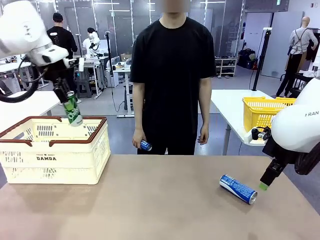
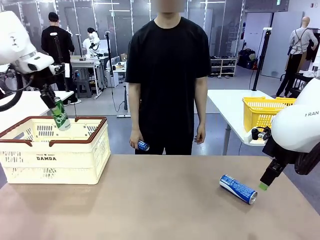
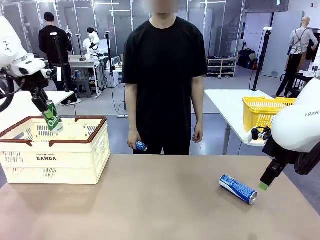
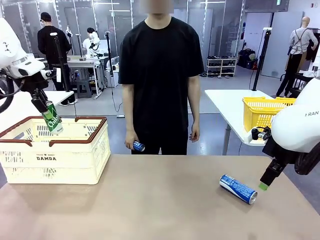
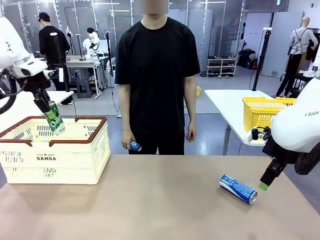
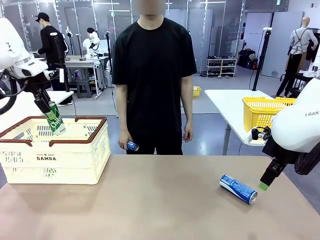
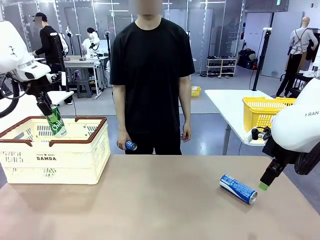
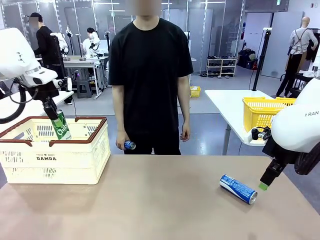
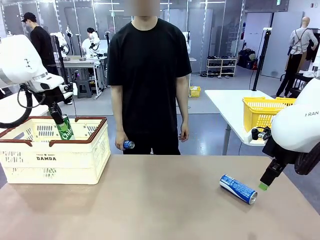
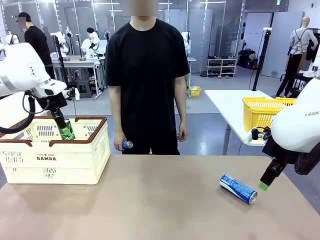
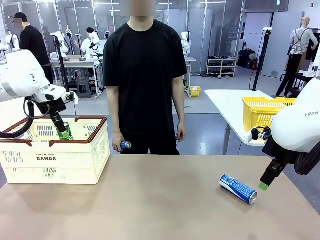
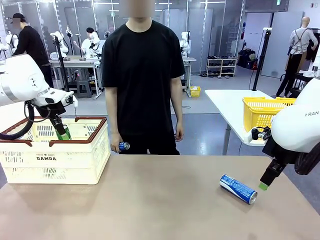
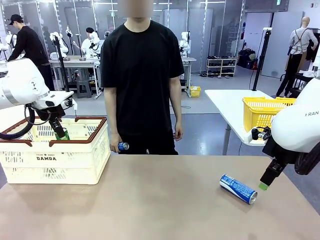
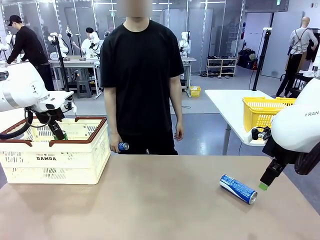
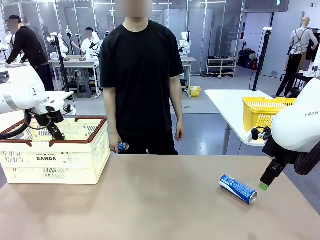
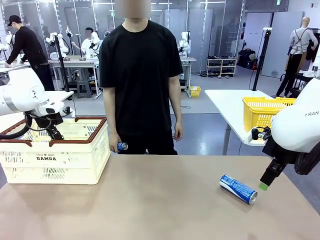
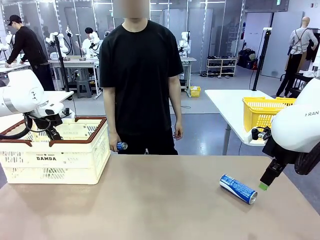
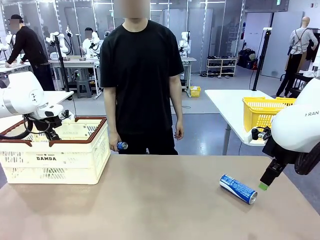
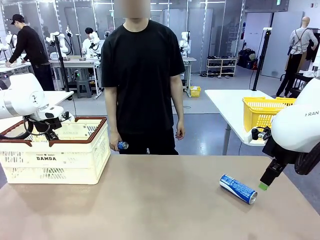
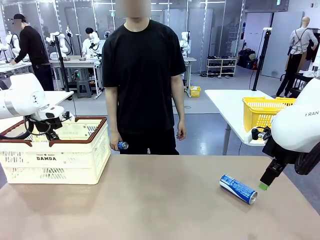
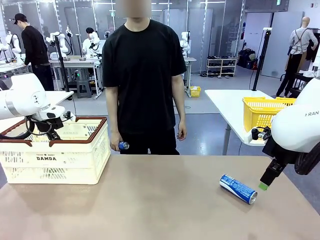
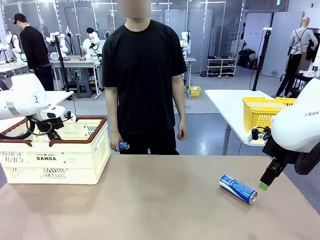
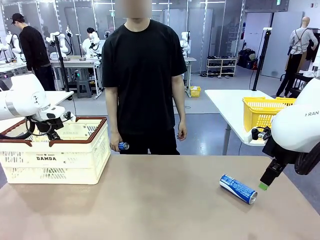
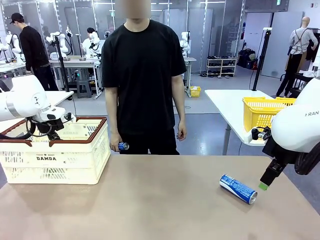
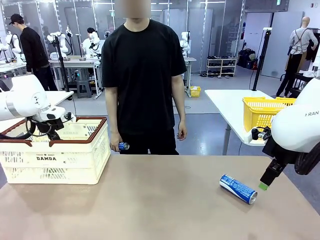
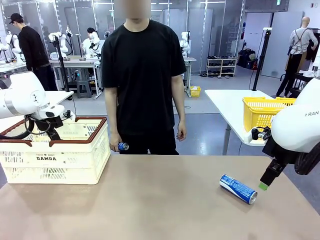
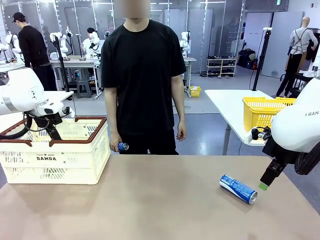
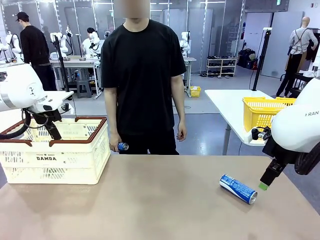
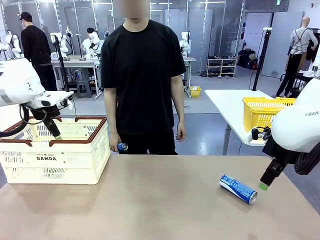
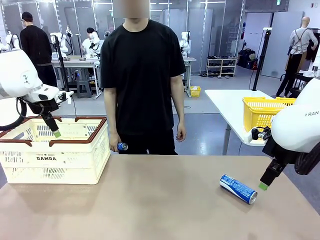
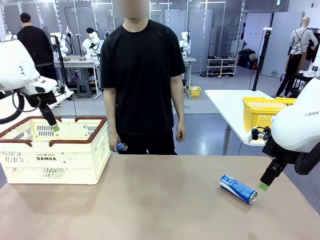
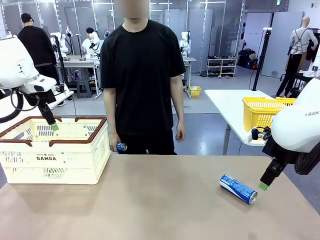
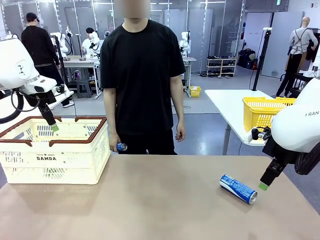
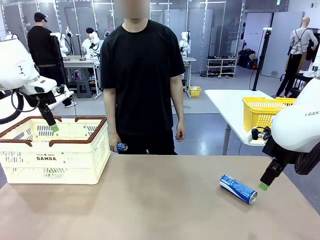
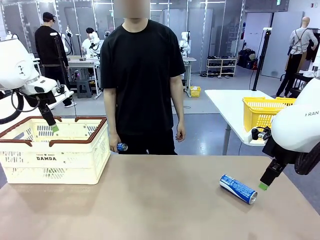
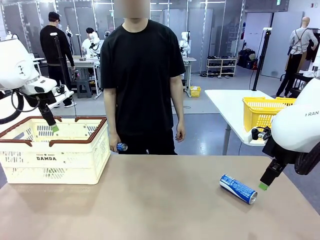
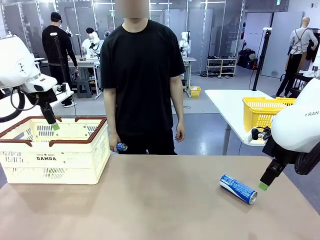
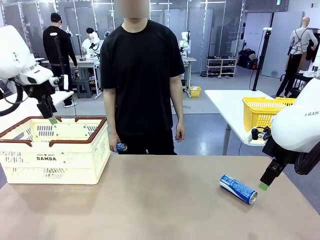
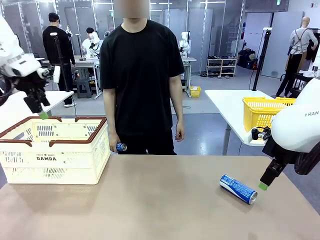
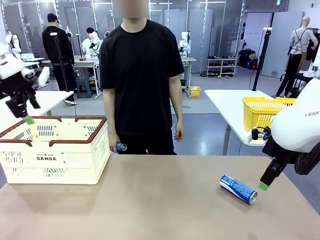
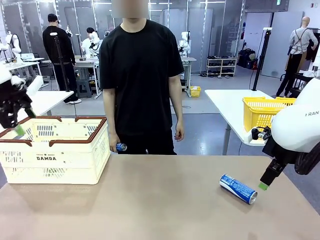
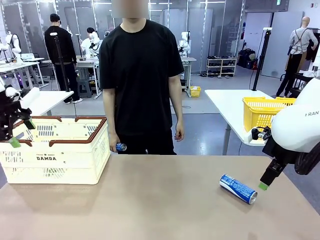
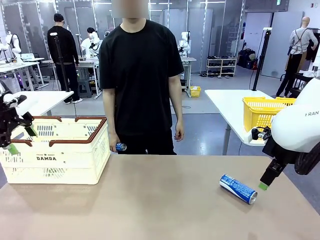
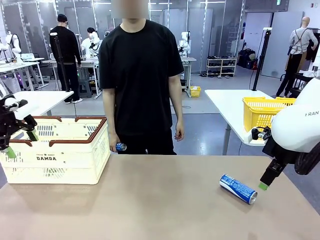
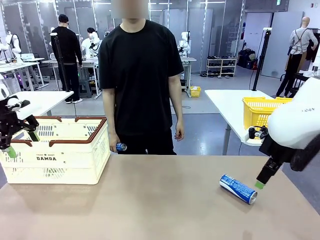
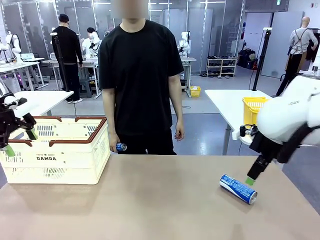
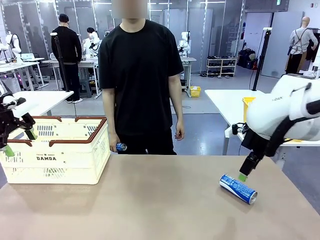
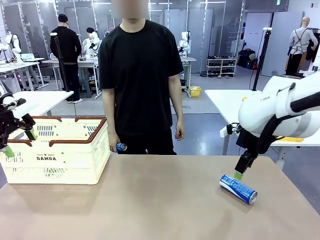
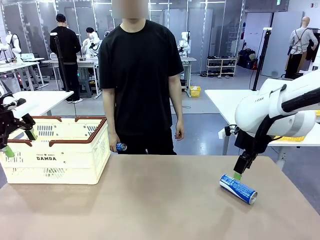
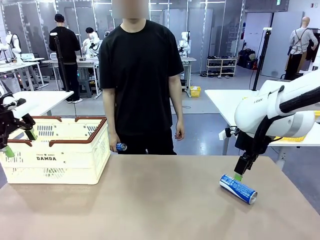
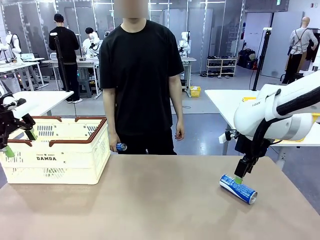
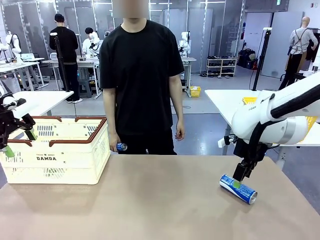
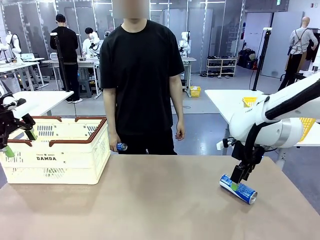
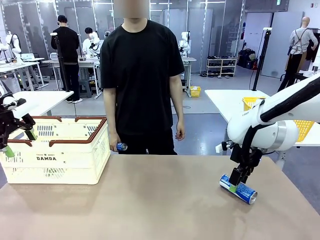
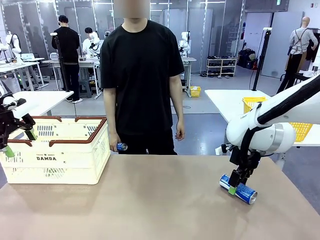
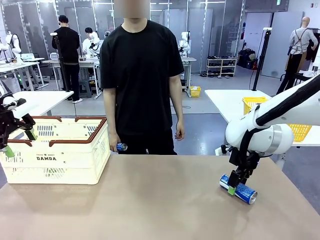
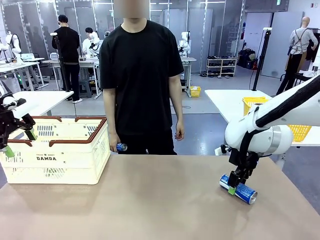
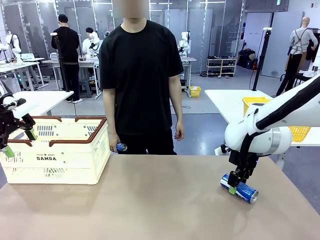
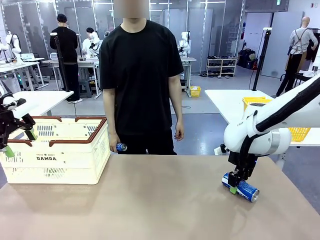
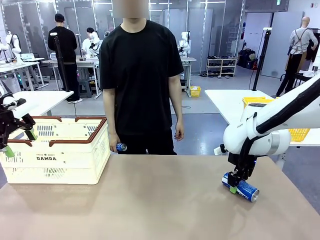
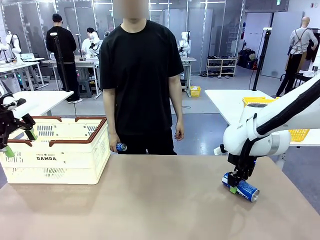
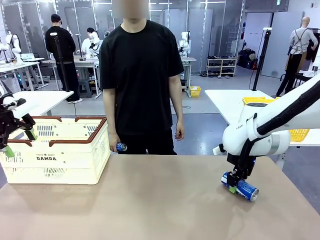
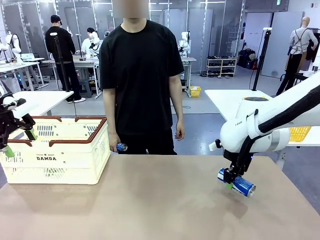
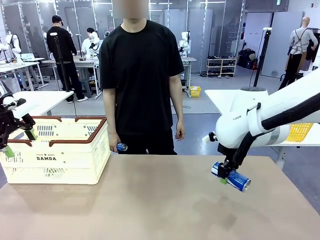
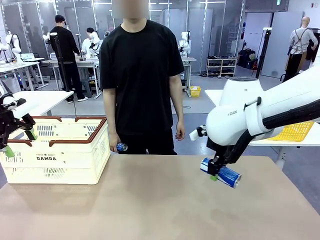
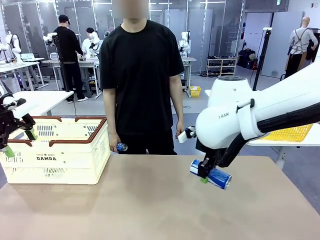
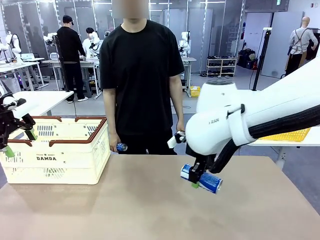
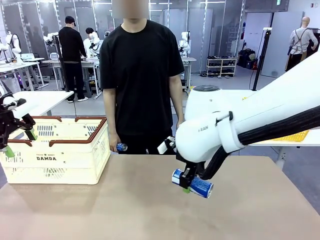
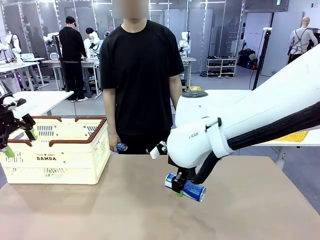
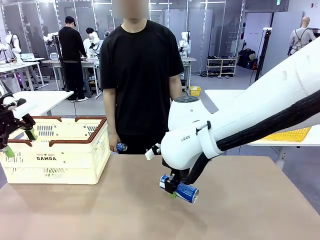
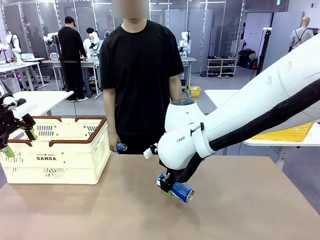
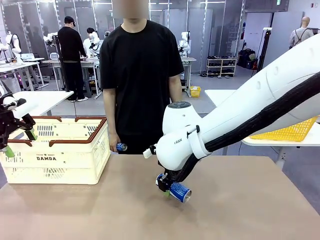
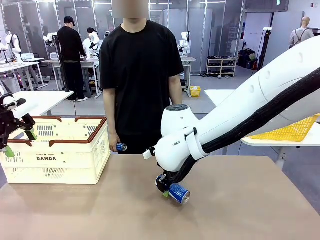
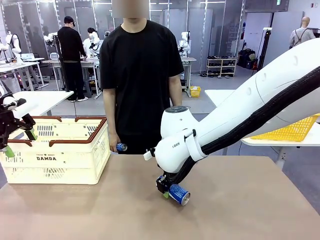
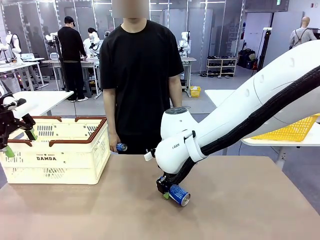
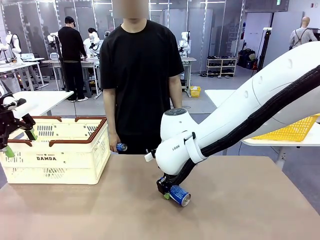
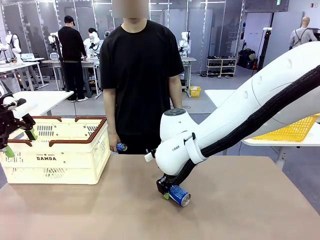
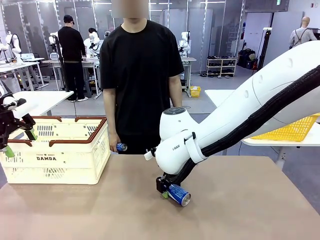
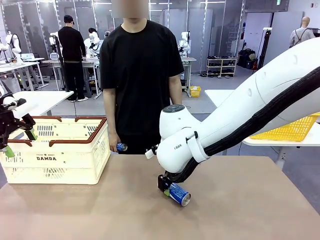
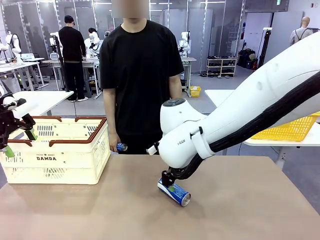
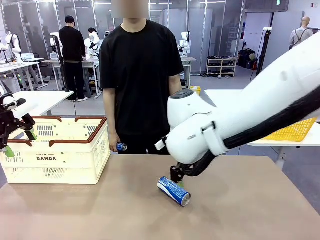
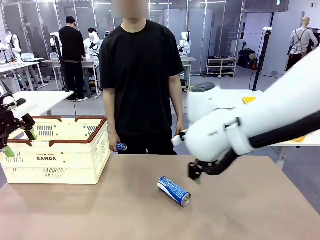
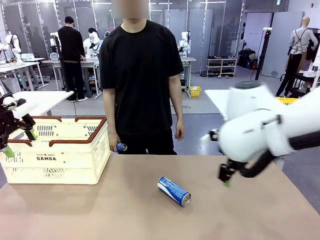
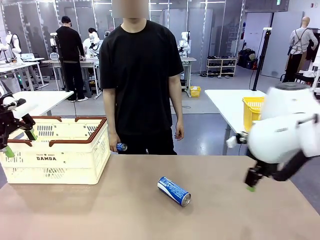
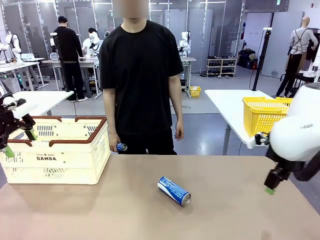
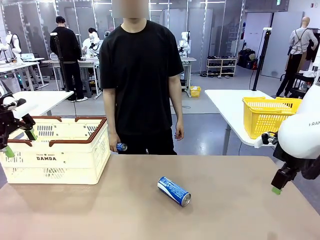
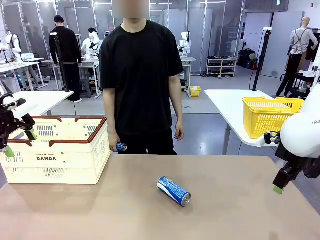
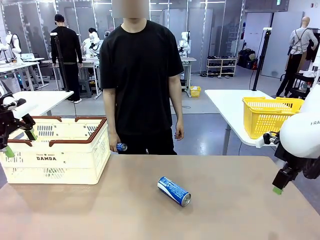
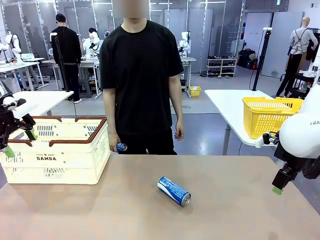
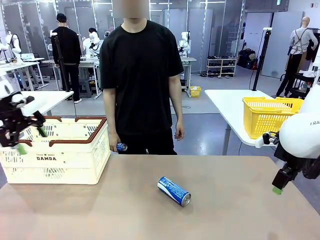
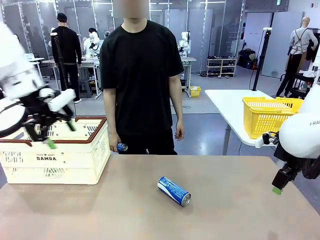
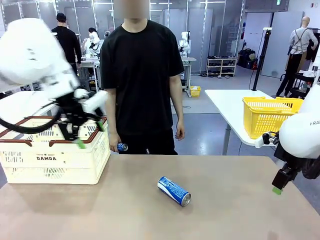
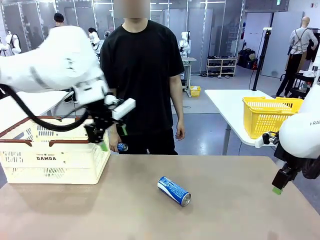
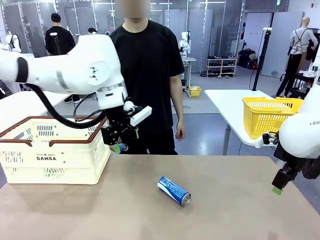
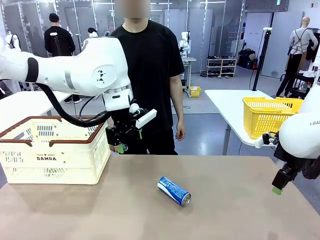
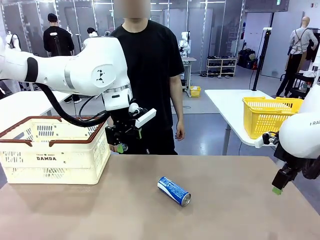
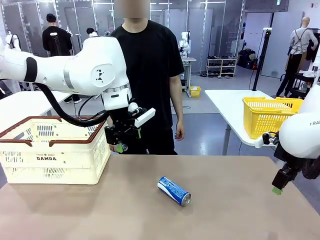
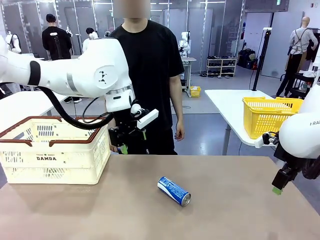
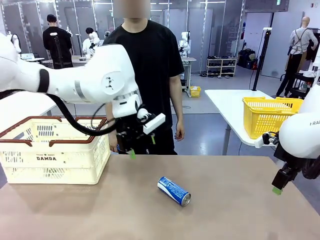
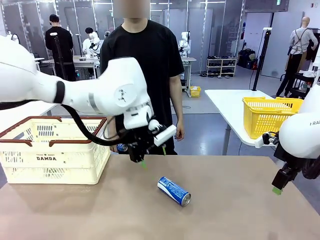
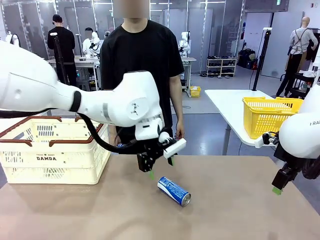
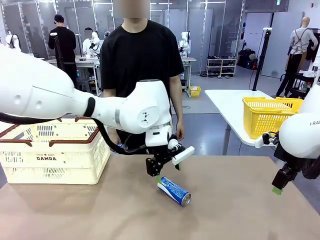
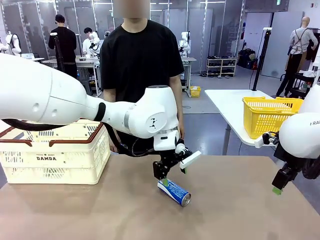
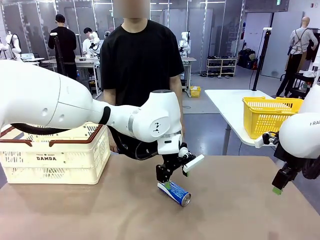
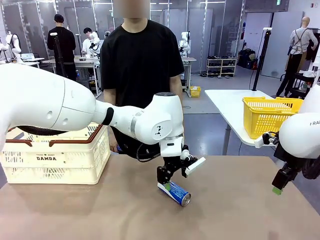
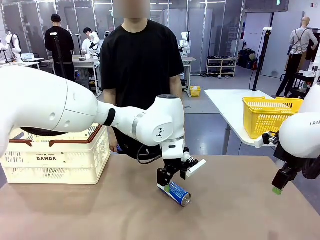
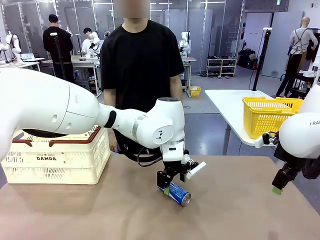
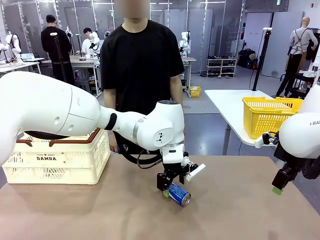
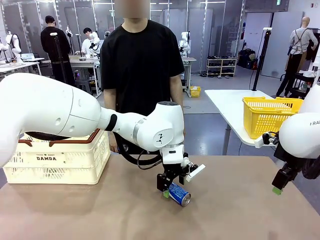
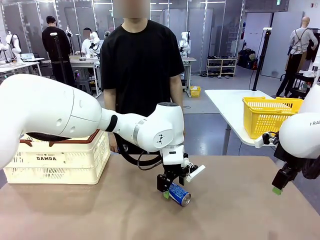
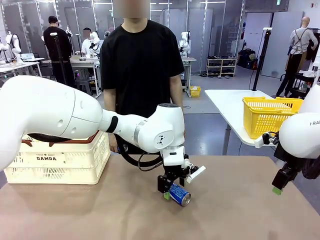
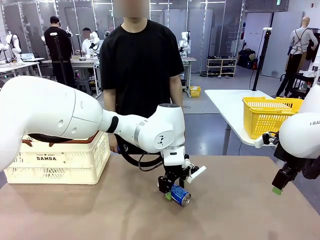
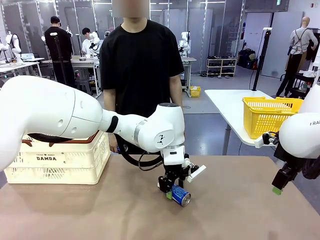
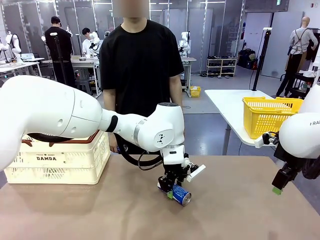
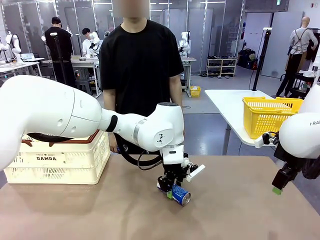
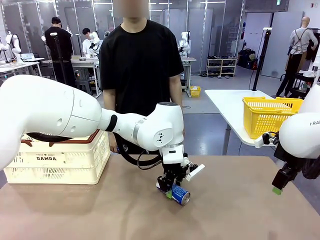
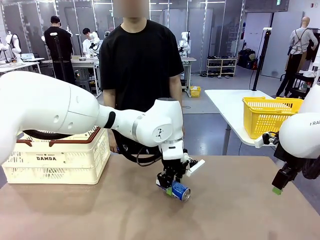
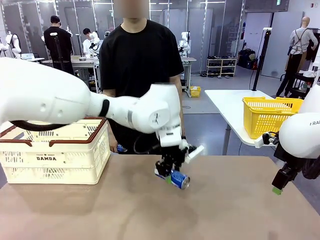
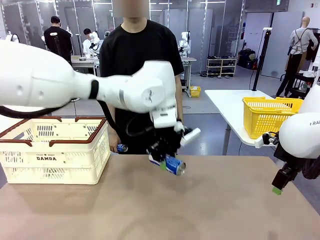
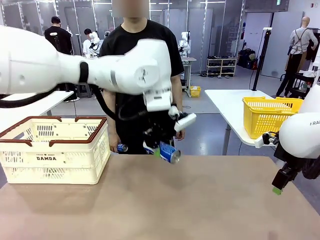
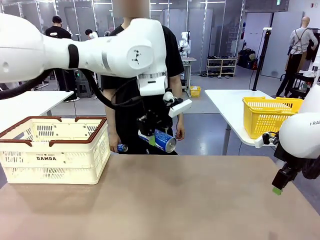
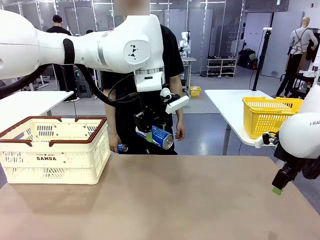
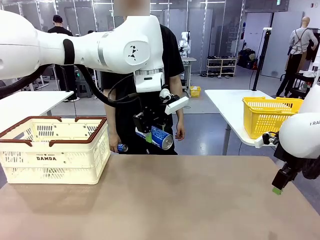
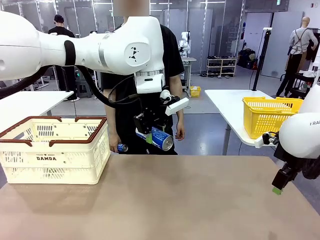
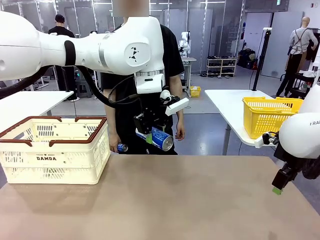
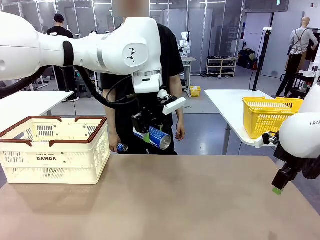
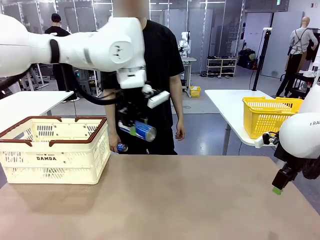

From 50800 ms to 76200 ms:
Task: Place the drinks into the Shopping basket.
Robot: Pick up one drink and place it into the Shopping basket.
